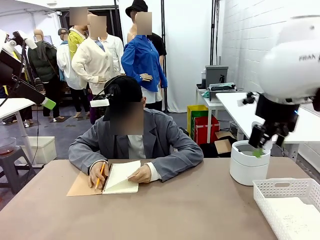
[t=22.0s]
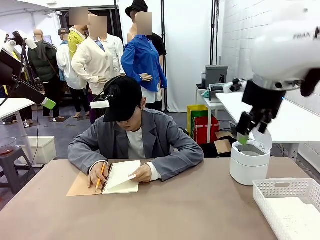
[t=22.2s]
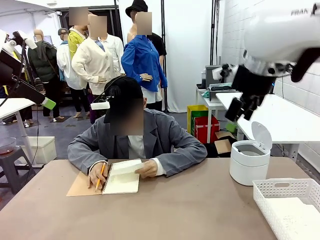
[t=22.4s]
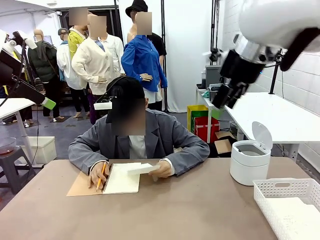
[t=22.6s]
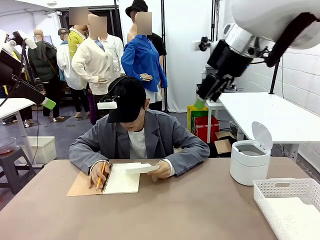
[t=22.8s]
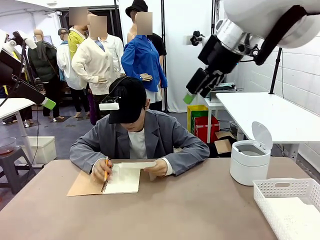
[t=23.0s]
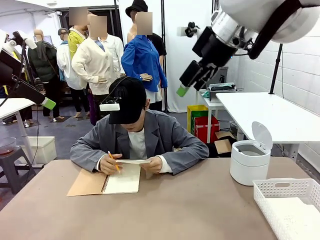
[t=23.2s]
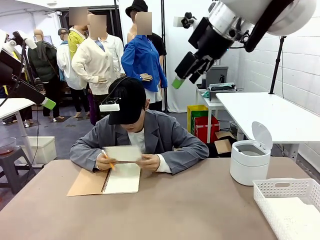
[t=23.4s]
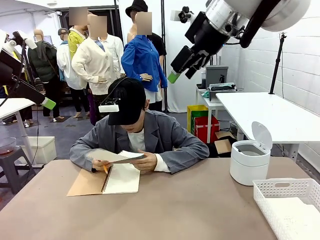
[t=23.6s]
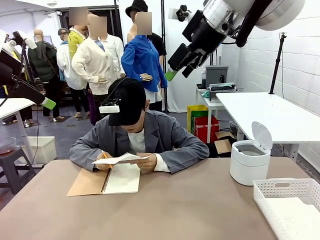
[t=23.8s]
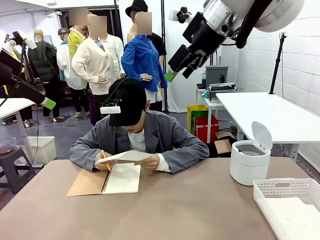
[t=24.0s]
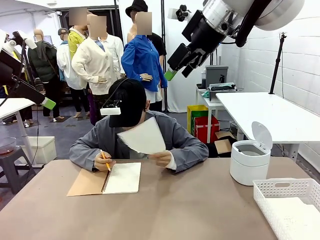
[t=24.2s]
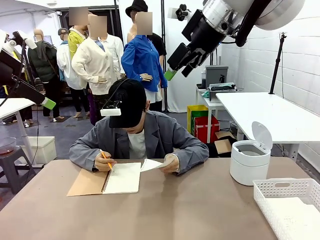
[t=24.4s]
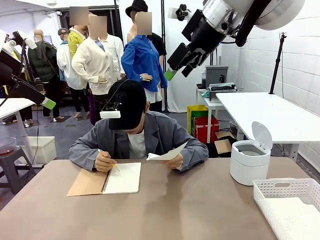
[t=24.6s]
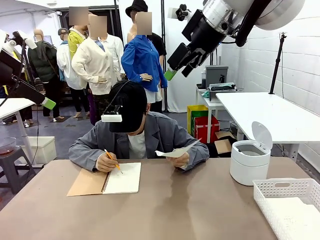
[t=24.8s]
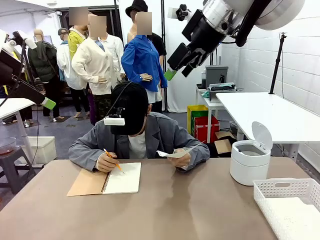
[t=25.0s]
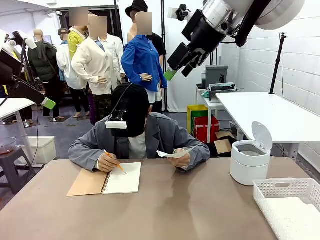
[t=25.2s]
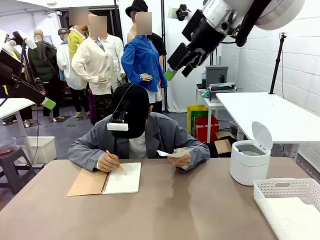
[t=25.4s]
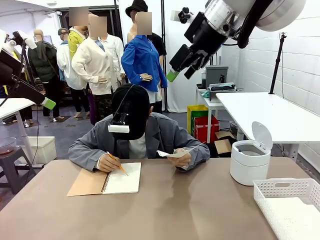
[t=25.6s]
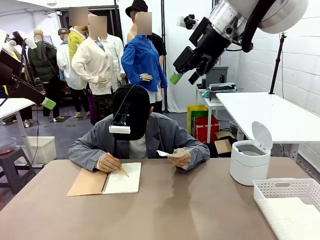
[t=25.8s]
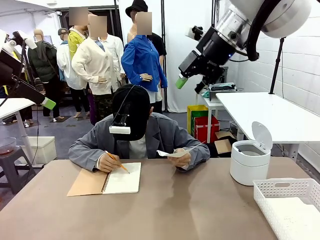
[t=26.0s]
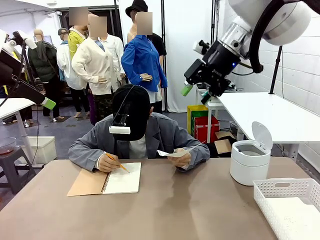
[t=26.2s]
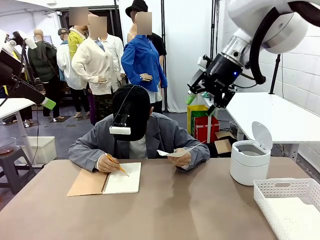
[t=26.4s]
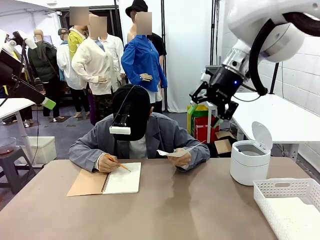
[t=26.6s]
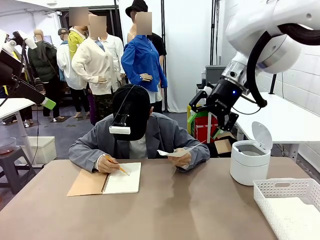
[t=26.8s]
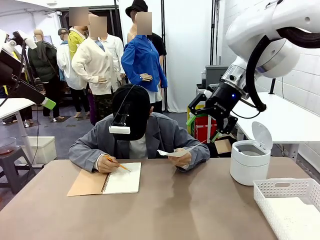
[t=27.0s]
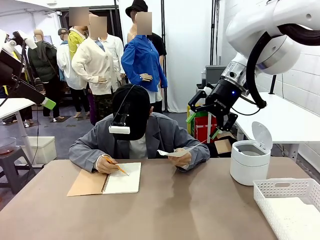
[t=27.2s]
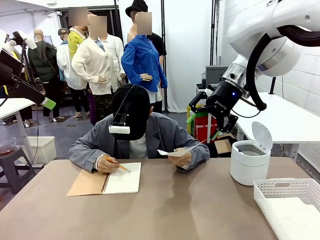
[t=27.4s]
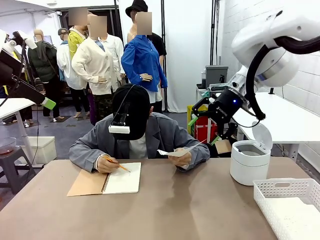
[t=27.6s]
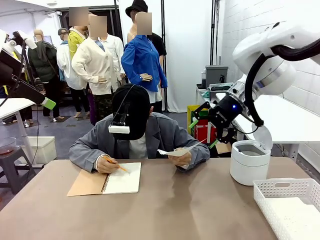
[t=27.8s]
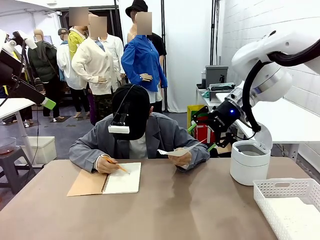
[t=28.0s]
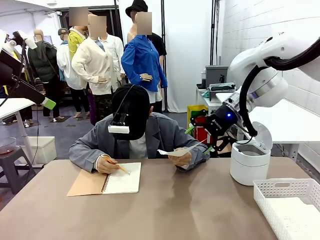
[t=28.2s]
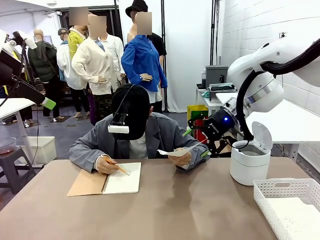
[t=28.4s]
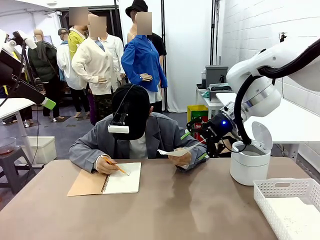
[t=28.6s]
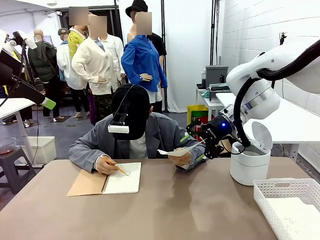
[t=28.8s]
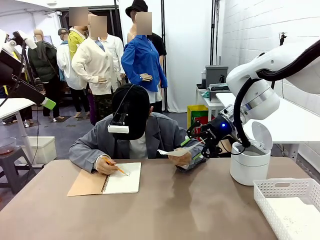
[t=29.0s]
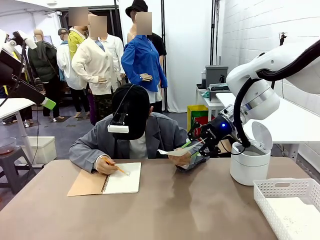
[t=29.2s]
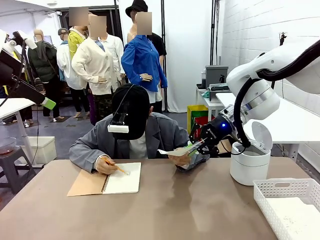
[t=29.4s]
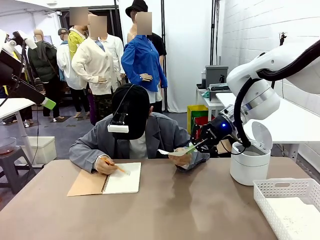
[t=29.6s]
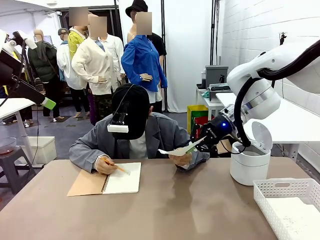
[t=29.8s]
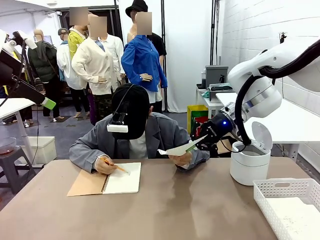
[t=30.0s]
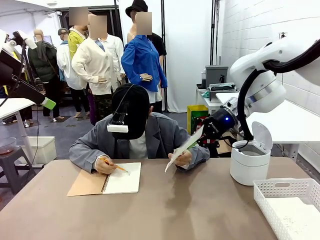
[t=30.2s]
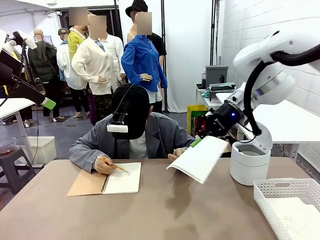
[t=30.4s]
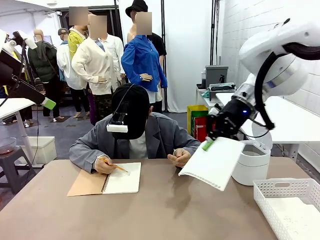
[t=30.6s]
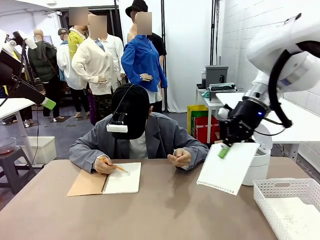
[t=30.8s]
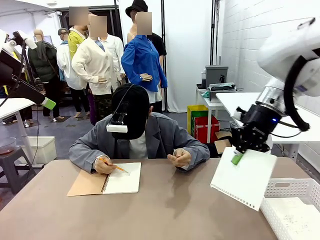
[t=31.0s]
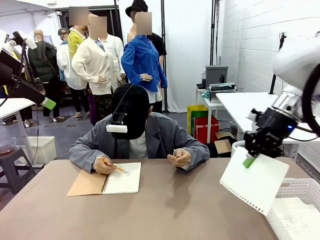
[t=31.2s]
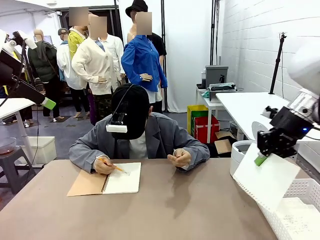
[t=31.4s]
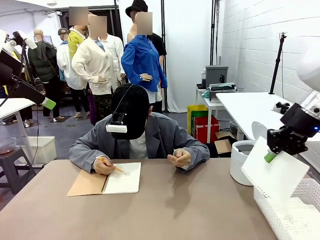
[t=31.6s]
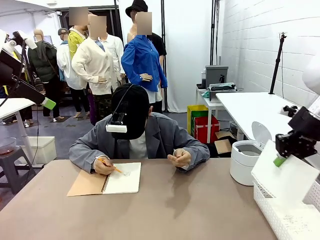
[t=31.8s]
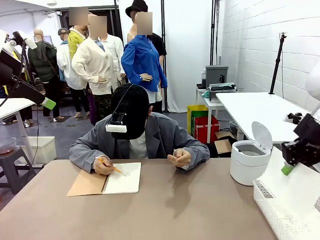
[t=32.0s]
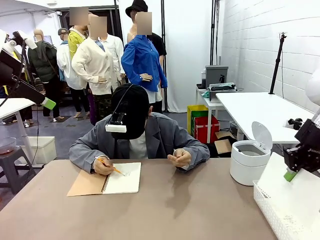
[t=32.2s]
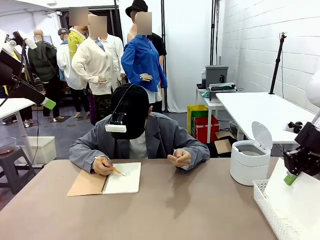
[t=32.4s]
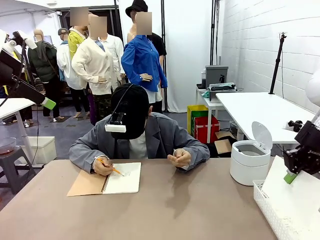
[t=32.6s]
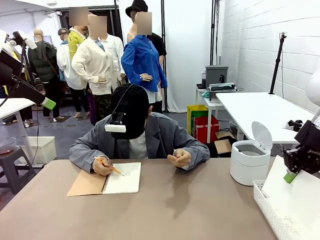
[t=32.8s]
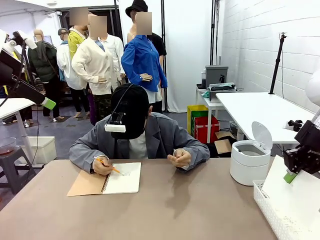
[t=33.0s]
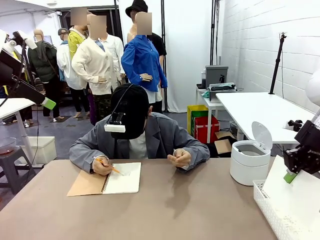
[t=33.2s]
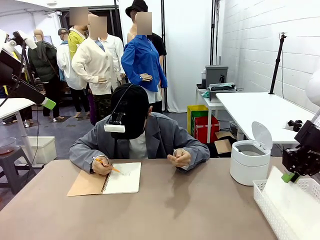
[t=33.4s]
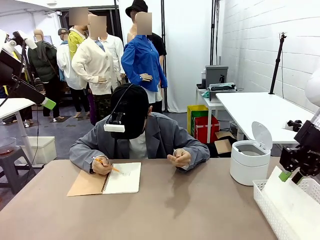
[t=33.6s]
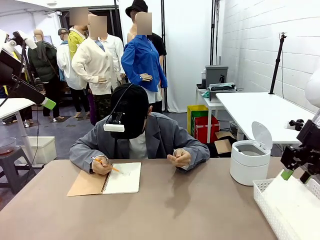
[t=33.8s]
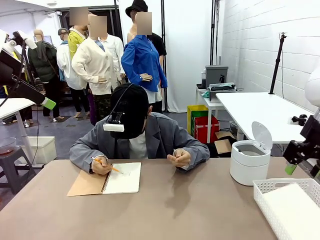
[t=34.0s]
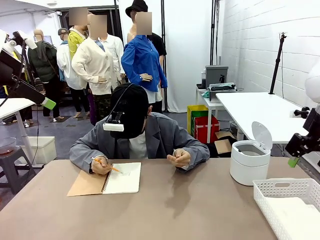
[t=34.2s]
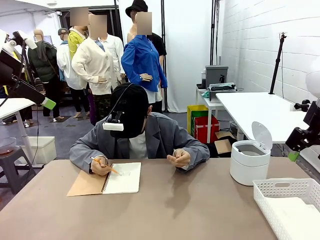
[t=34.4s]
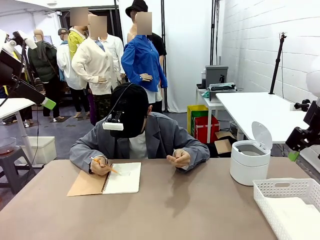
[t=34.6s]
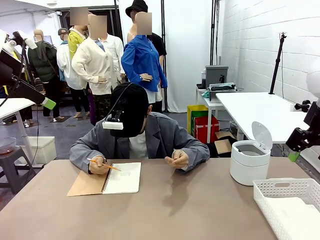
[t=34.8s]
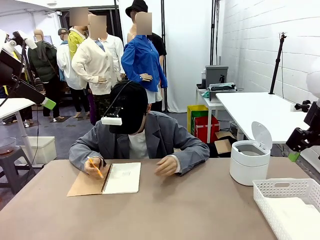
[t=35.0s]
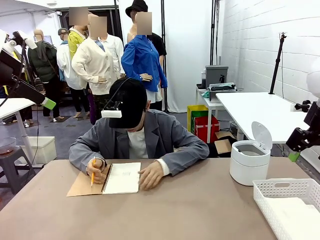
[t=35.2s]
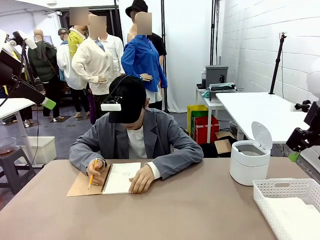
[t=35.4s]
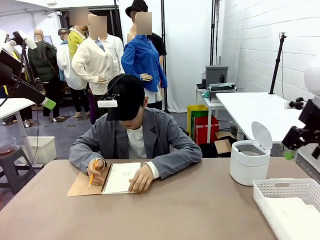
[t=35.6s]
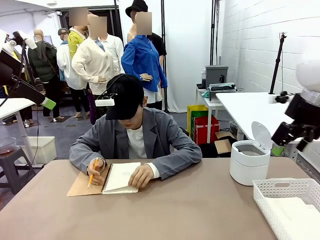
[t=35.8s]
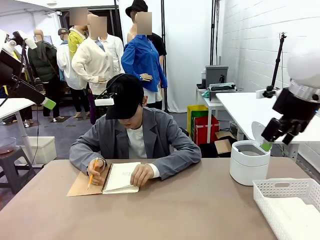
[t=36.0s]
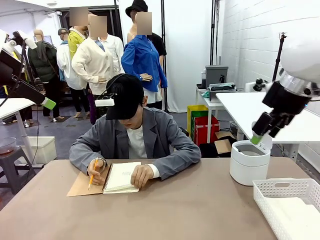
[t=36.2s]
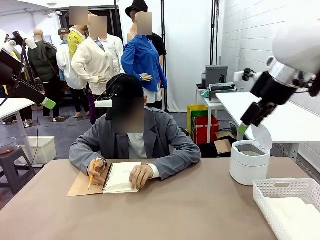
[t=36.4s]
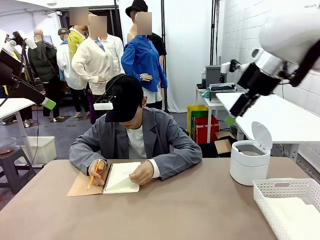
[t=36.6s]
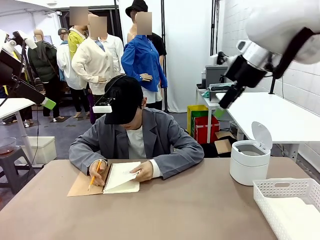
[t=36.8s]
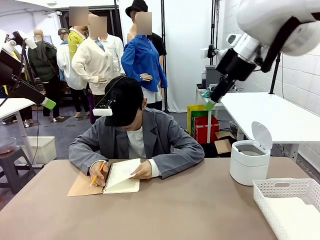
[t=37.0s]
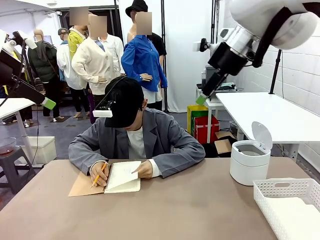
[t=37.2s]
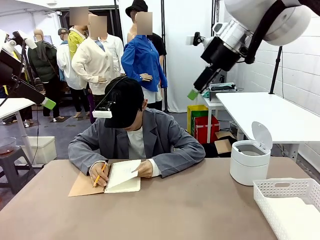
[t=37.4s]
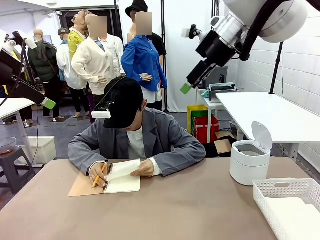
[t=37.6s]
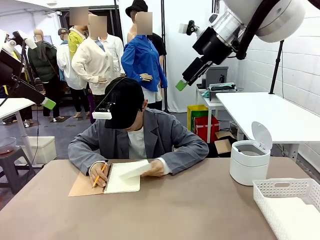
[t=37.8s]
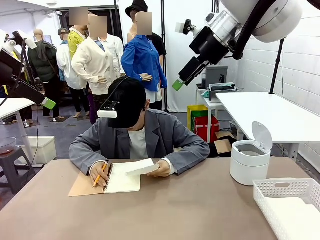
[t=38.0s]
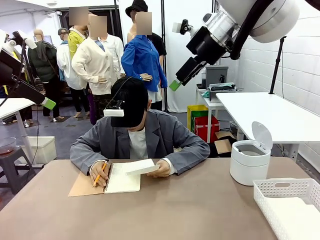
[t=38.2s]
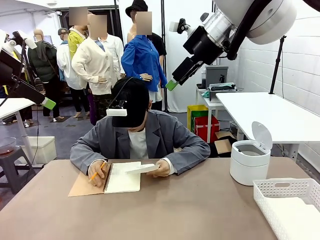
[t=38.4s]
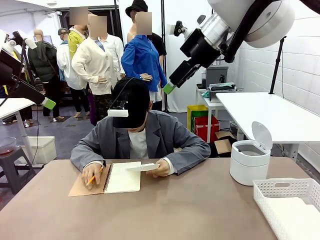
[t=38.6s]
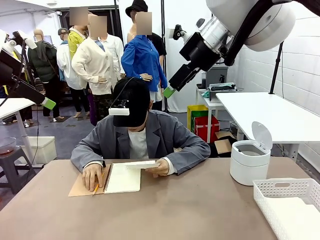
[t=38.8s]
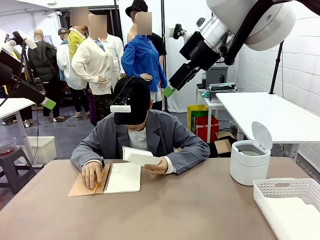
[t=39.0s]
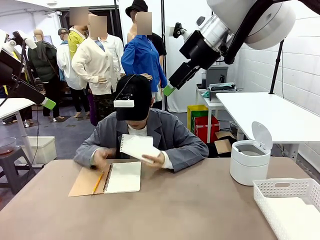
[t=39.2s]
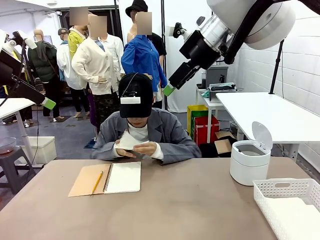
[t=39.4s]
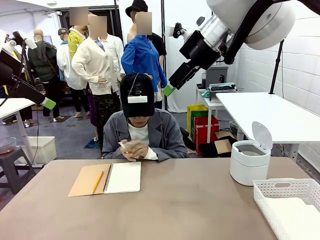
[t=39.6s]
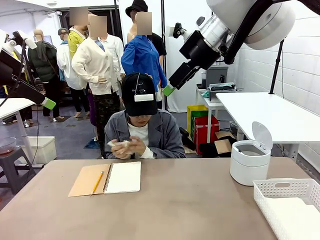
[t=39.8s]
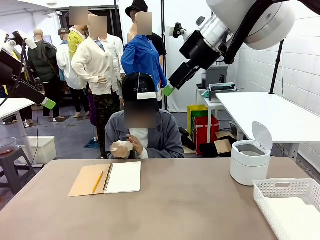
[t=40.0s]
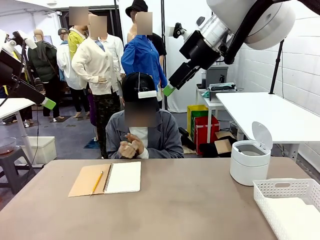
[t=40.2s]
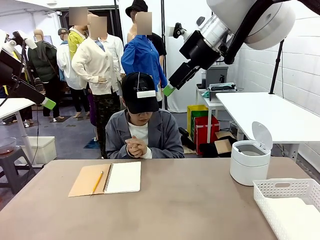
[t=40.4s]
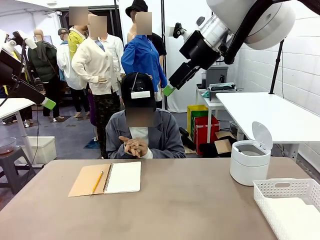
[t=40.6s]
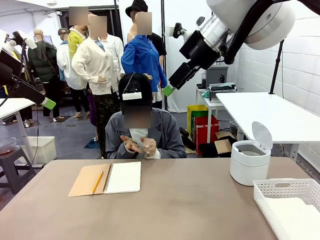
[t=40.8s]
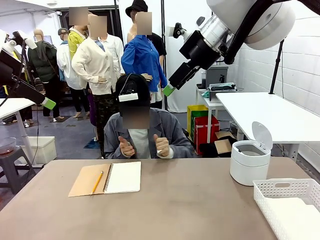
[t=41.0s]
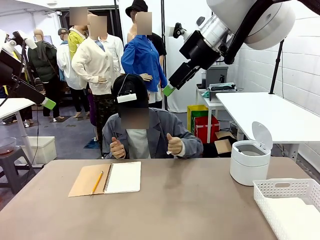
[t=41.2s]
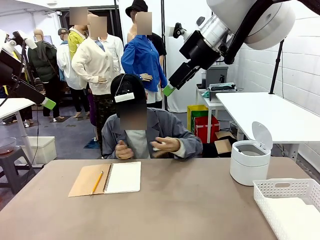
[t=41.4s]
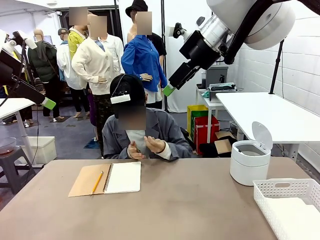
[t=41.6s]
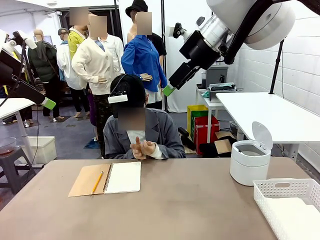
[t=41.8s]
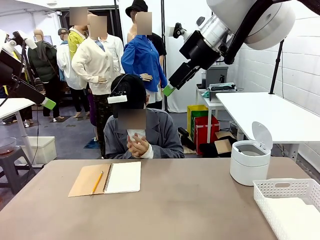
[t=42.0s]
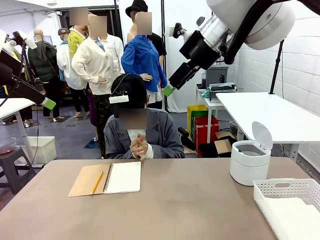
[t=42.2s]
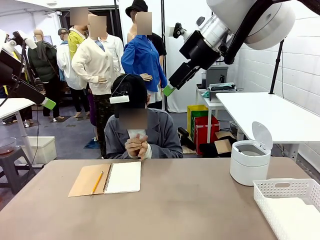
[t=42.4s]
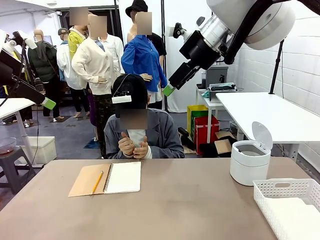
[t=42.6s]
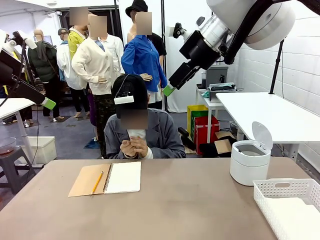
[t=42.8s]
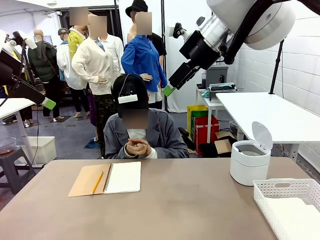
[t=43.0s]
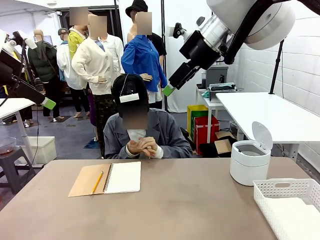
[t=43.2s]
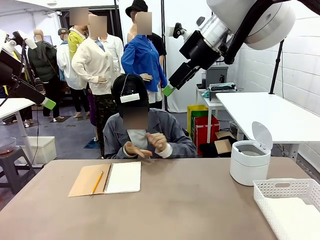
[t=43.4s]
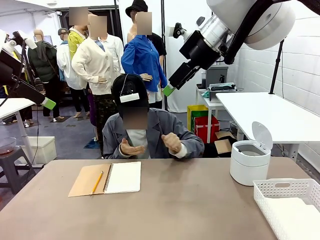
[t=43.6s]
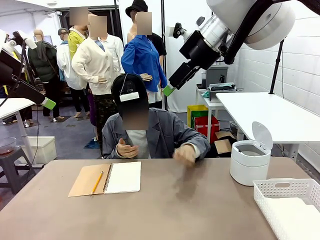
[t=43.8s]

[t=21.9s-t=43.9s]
Task: Sort the paper based on its condition.
Robot: If a person hands you a paper, place it in the Organizing basket , and if it's crumpled, put it in the Trash can.
Person: Hand the torn page to the robot or crumple it and throw it to the center of the table. Tear out a page from the spiral notebook.
